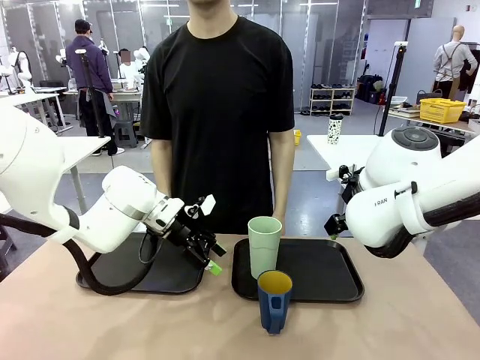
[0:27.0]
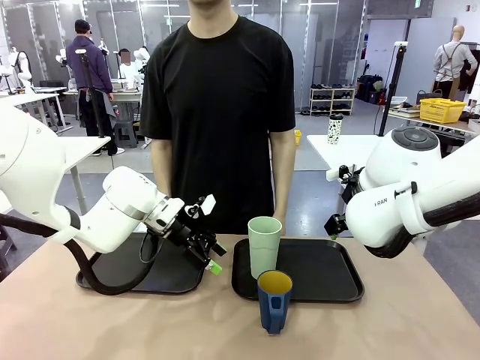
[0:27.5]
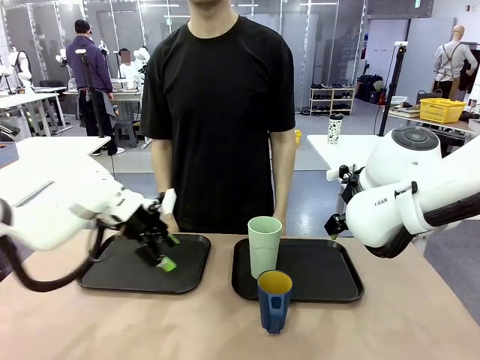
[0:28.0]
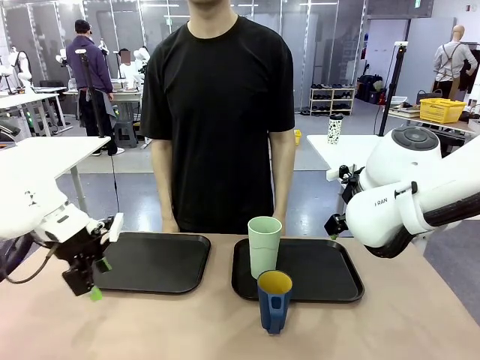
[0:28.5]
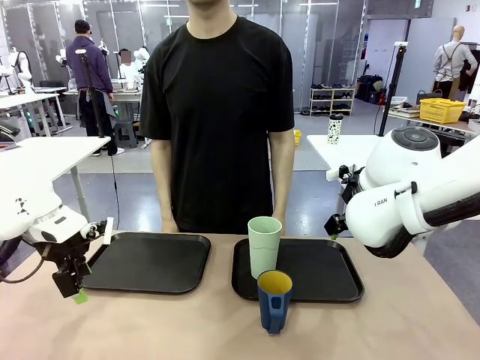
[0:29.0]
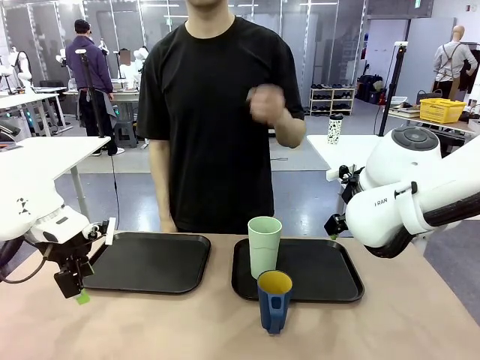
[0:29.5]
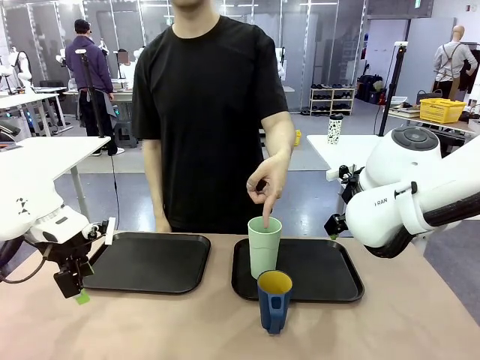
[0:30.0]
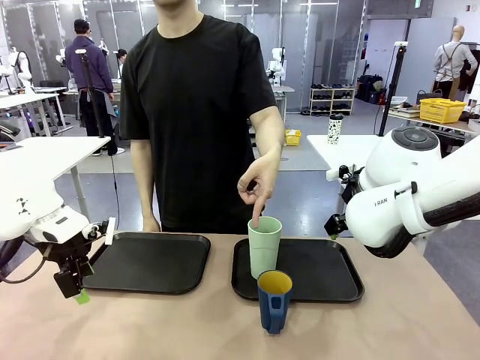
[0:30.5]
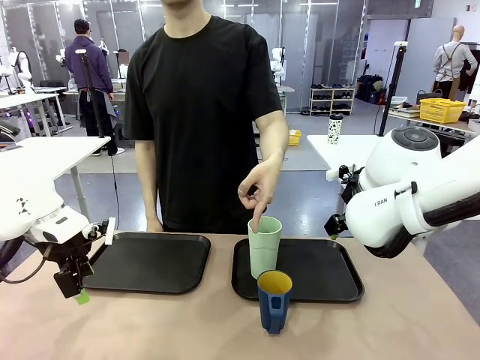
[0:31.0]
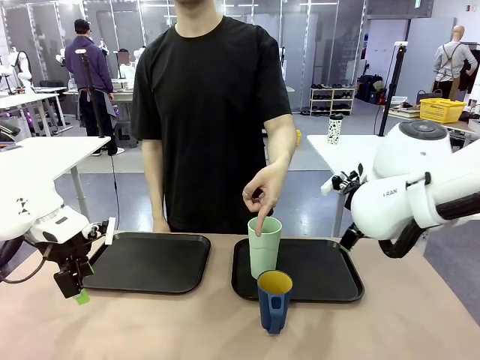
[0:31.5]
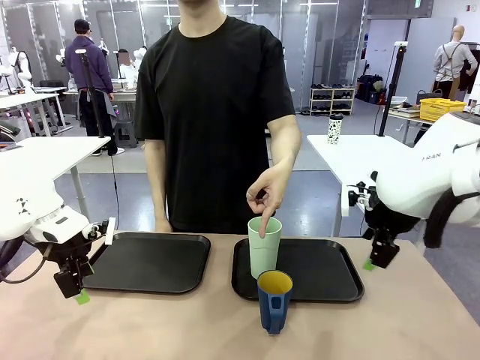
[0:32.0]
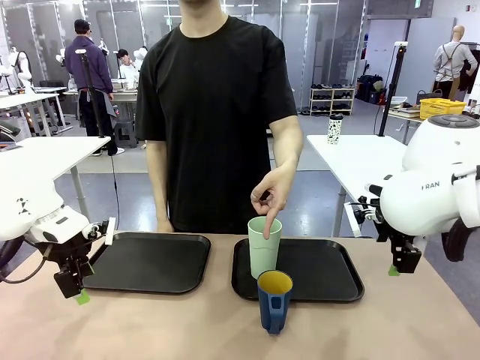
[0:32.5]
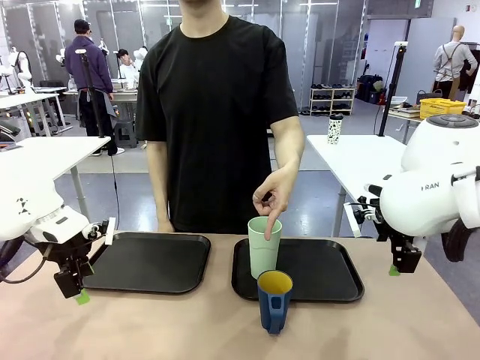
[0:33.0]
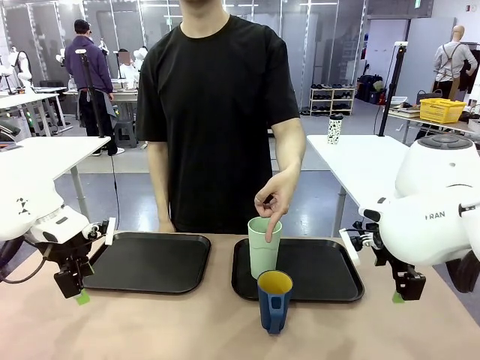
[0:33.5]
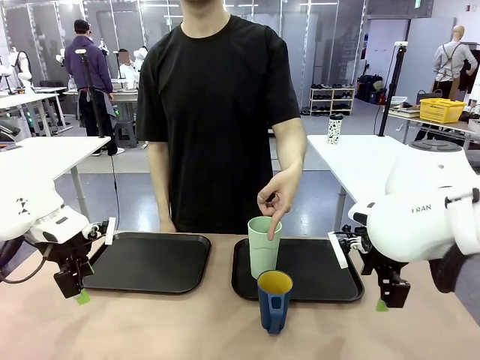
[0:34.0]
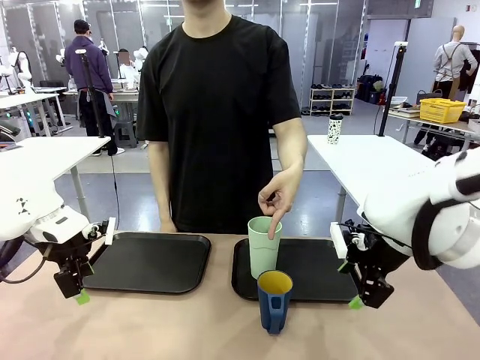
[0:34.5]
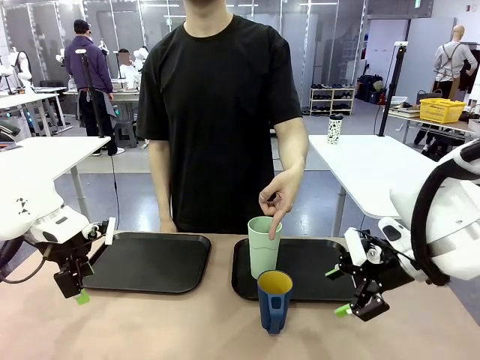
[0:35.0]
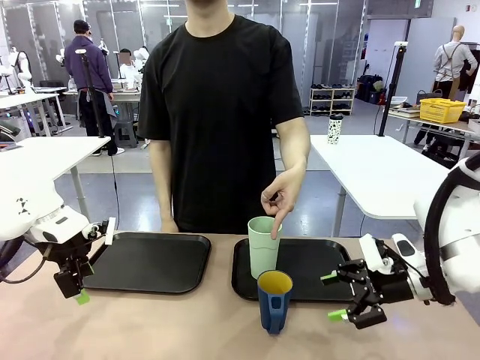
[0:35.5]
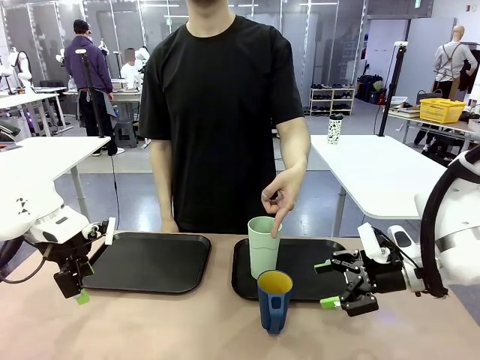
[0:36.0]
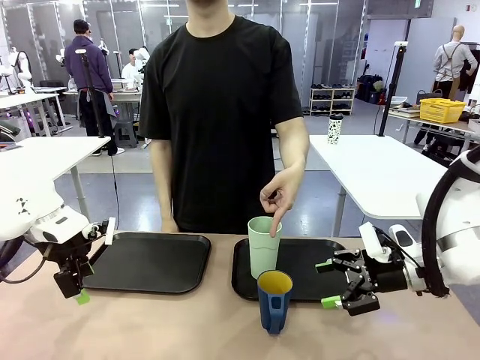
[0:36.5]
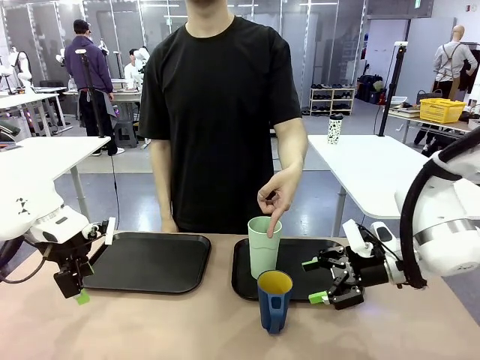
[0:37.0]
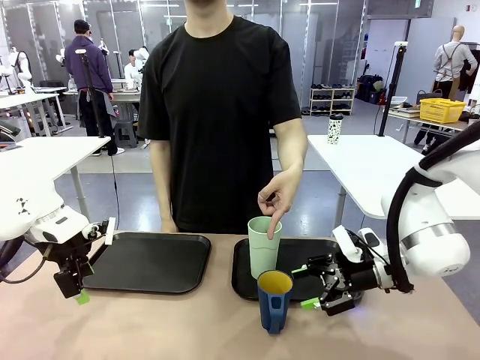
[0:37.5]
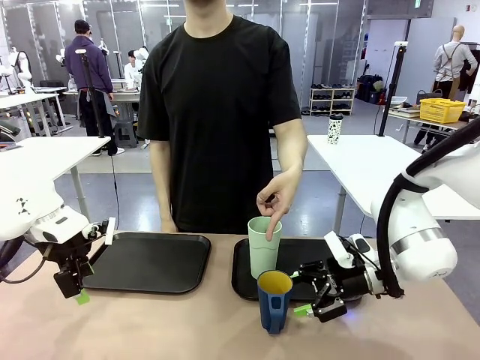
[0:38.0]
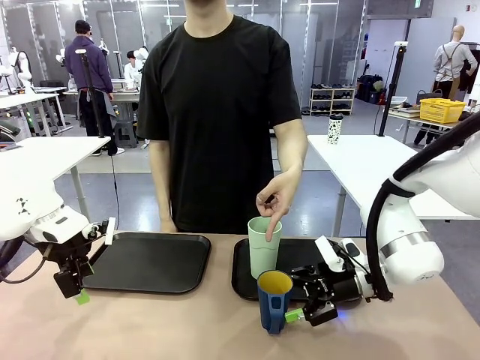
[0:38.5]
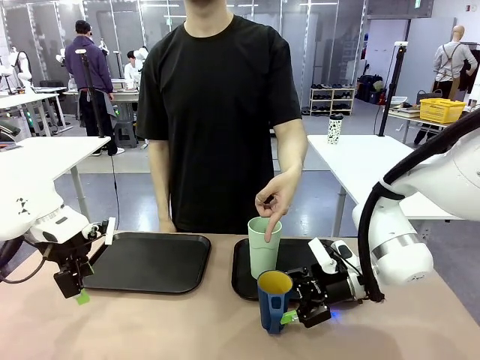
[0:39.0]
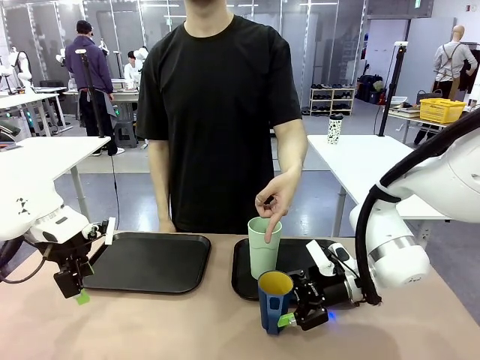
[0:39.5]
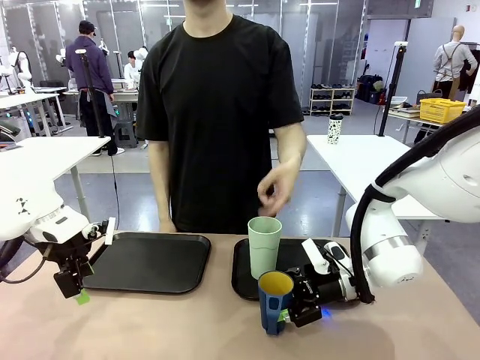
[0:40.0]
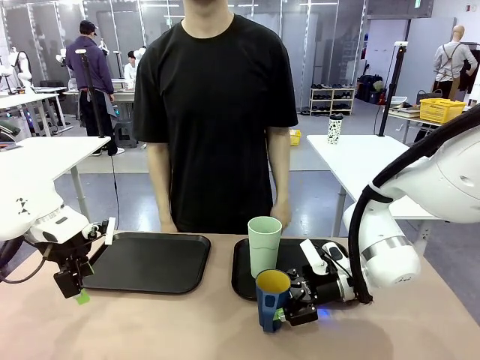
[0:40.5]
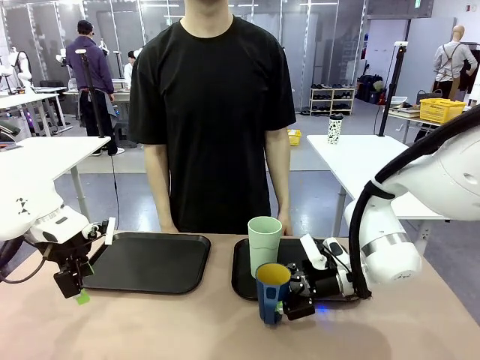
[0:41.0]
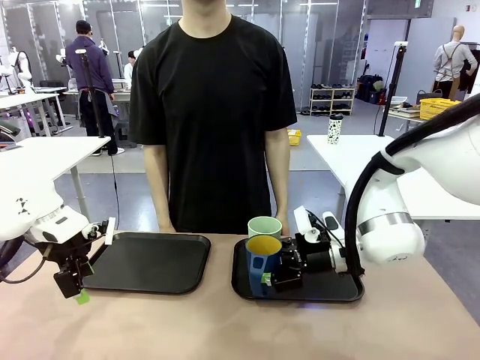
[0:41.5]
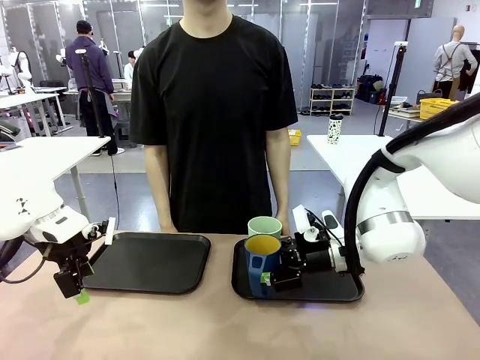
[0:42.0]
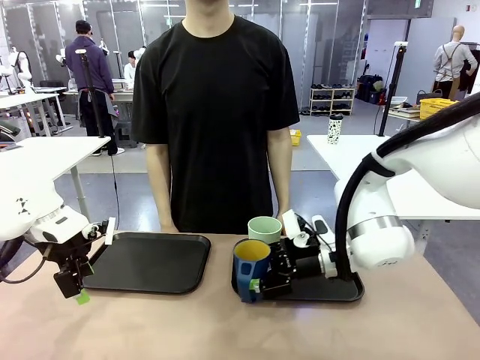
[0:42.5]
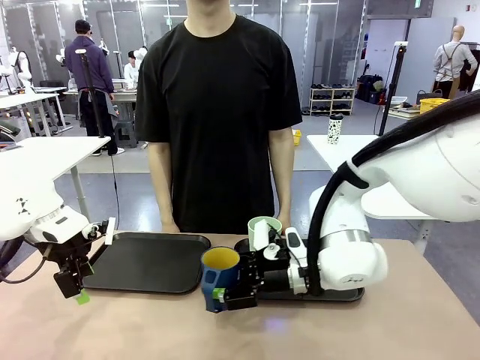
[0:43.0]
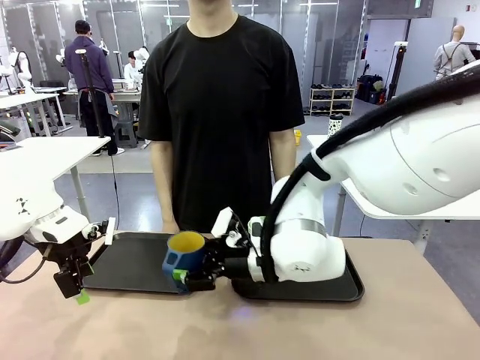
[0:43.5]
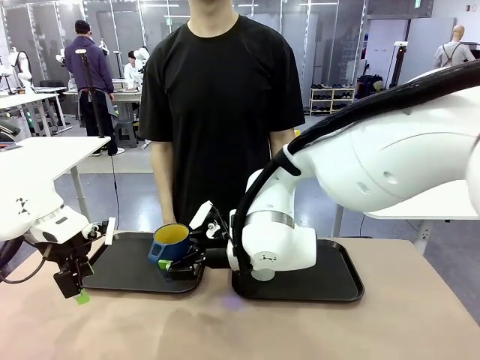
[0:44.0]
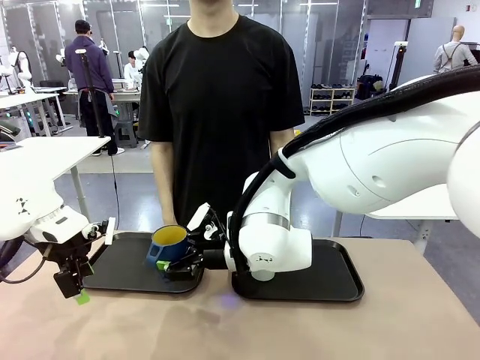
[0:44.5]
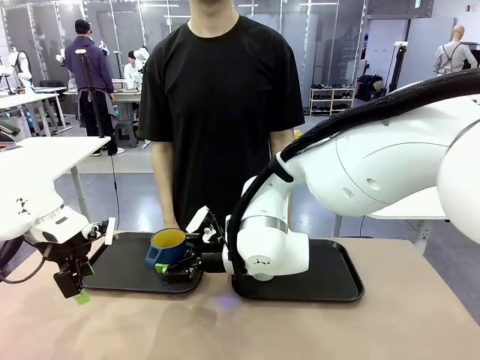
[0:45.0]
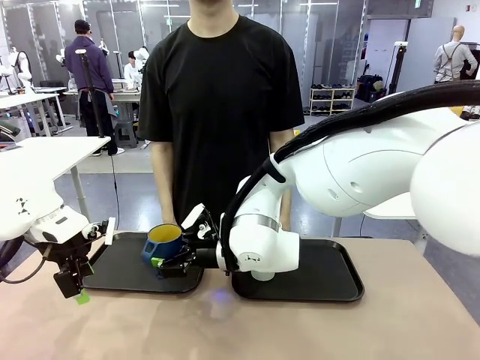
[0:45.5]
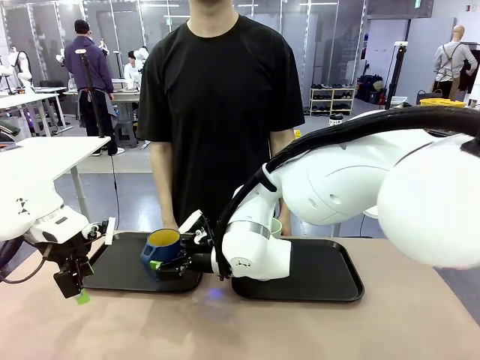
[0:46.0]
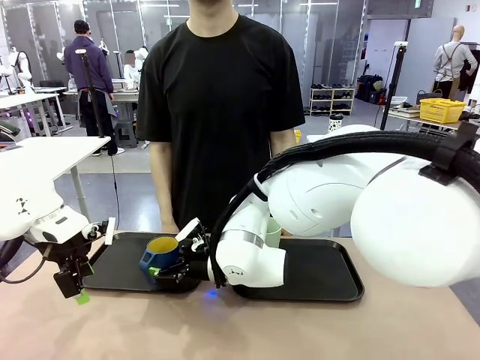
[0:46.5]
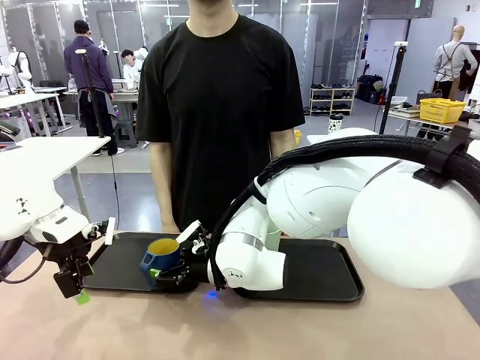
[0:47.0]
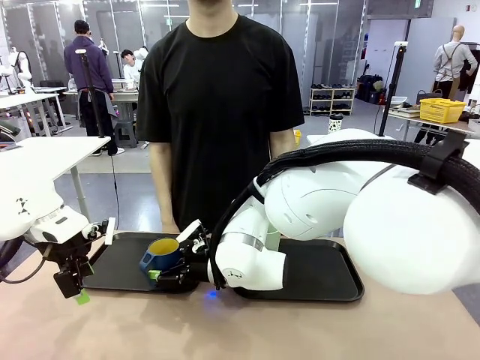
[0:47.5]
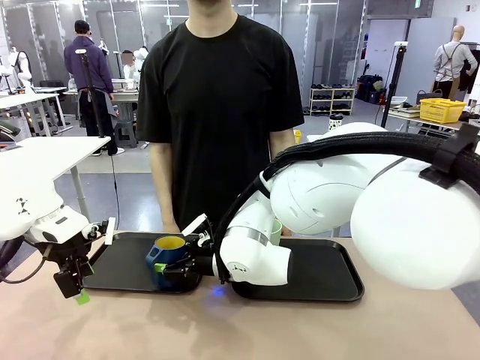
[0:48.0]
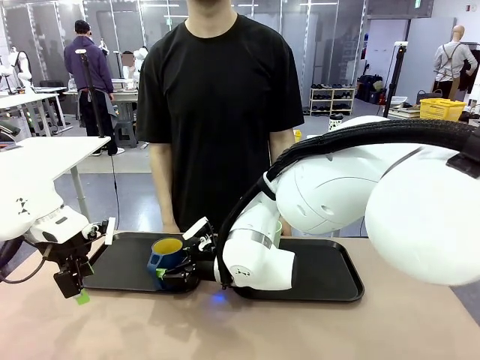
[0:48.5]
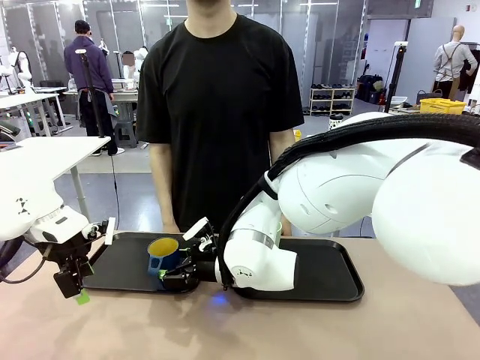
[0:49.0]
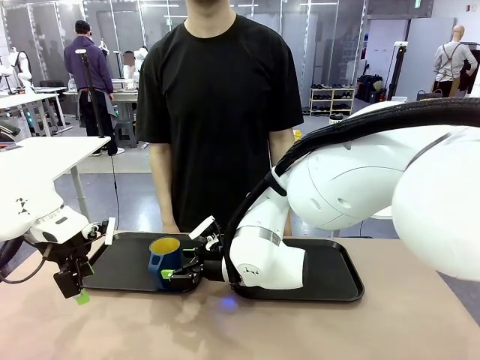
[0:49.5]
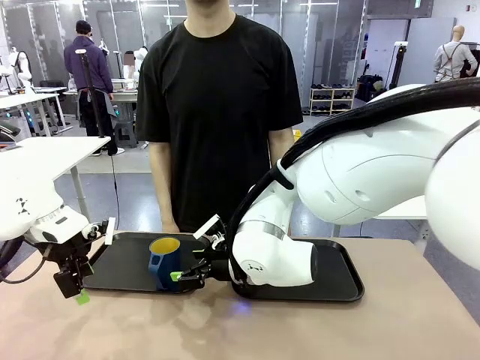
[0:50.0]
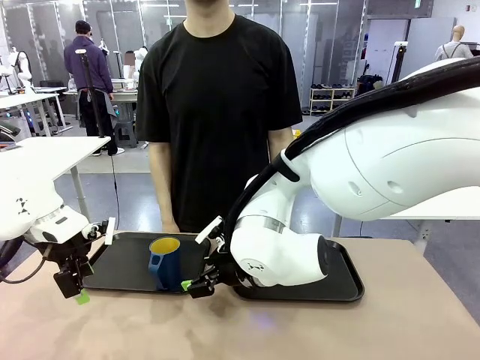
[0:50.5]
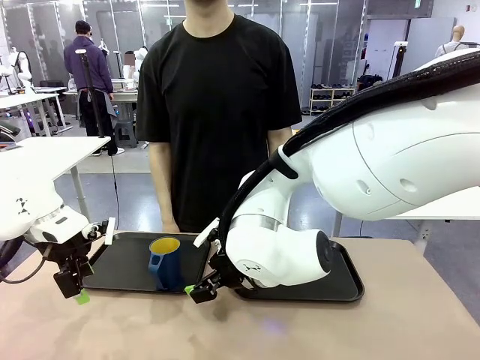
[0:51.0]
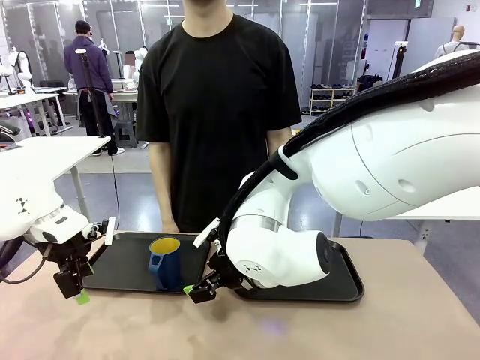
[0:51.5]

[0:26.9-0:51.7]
Task: Sort and store the cups by type.
Robot: Pick up the Handle plastic cup and place it into the empty Flat Tray.
Person: Points to the cup with a handle.
